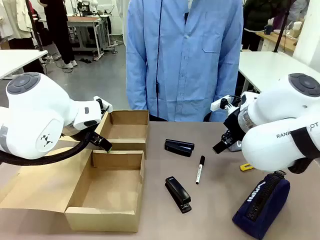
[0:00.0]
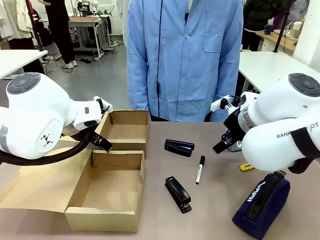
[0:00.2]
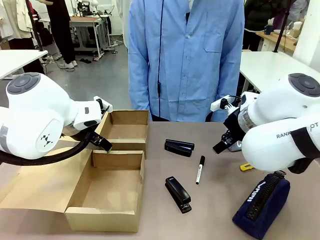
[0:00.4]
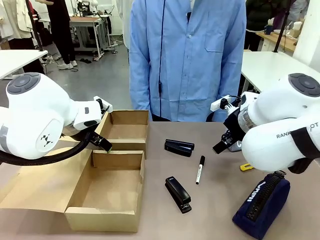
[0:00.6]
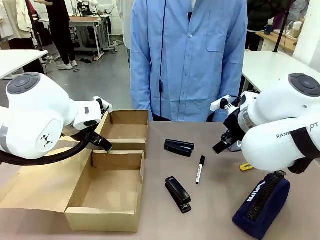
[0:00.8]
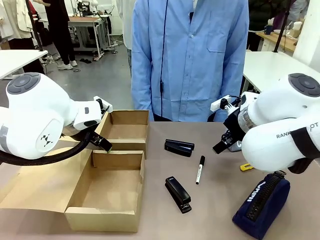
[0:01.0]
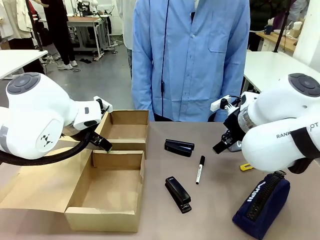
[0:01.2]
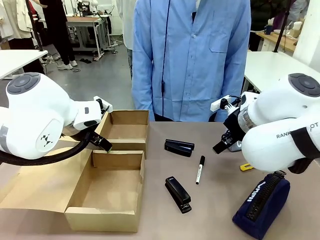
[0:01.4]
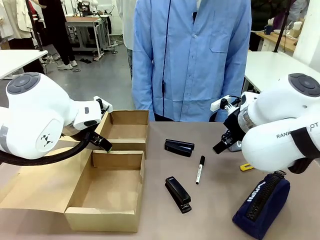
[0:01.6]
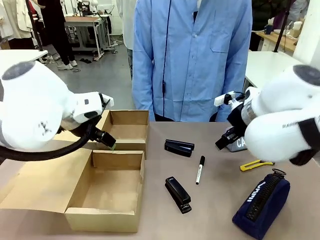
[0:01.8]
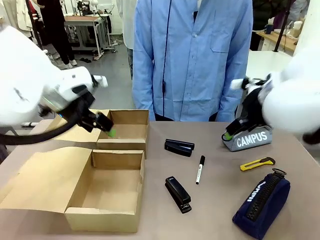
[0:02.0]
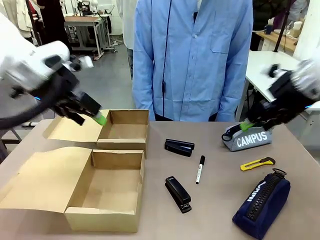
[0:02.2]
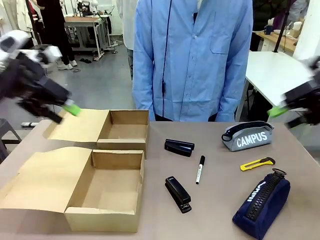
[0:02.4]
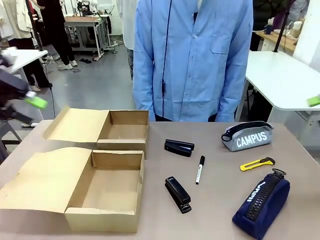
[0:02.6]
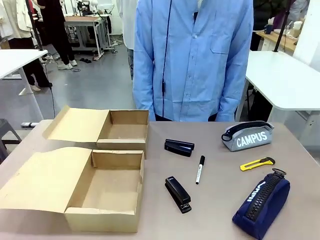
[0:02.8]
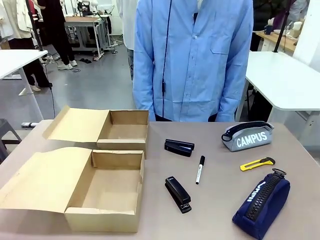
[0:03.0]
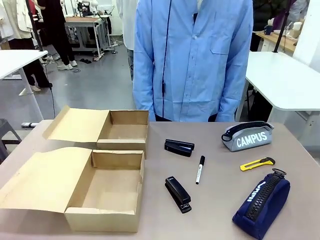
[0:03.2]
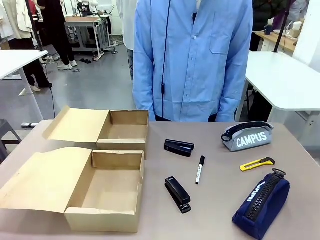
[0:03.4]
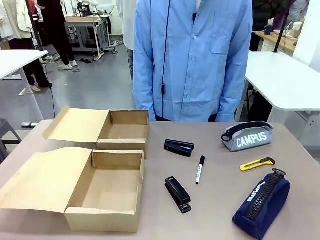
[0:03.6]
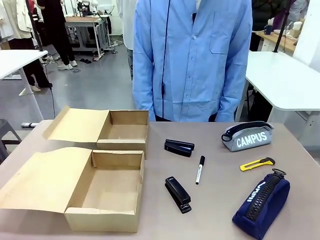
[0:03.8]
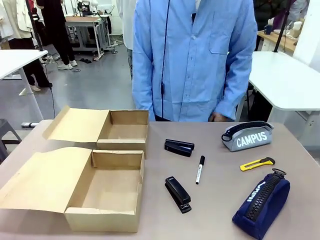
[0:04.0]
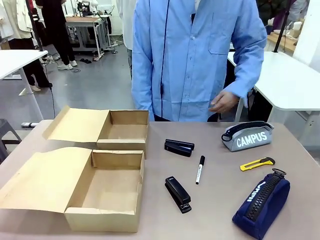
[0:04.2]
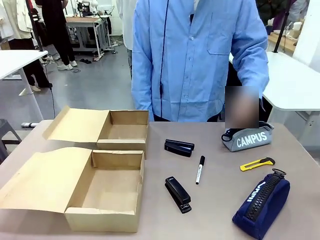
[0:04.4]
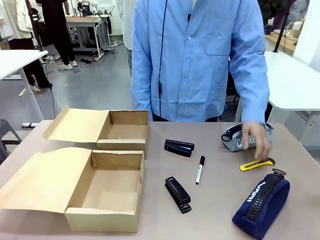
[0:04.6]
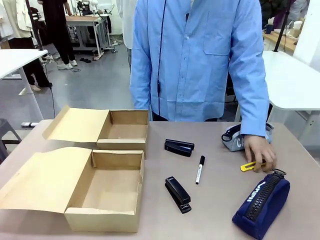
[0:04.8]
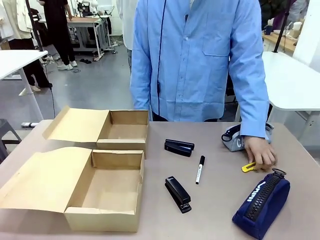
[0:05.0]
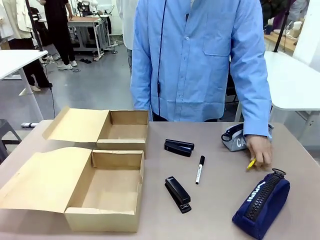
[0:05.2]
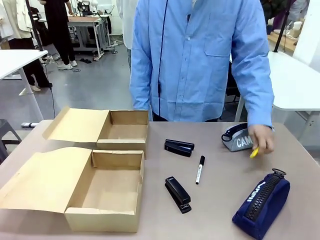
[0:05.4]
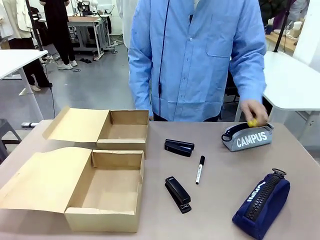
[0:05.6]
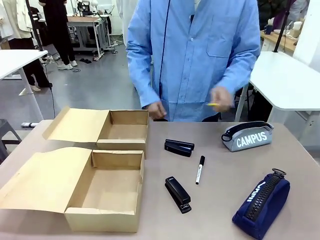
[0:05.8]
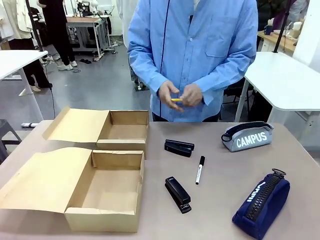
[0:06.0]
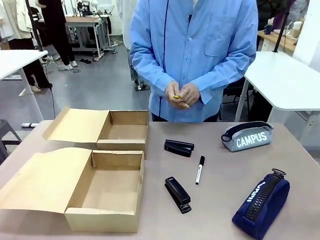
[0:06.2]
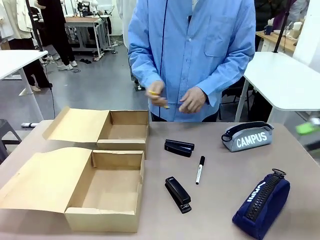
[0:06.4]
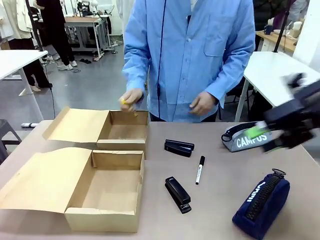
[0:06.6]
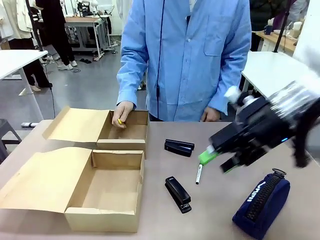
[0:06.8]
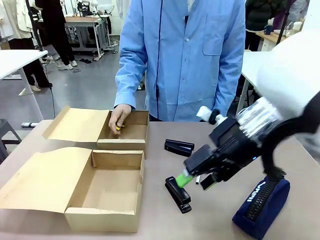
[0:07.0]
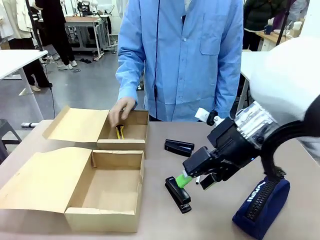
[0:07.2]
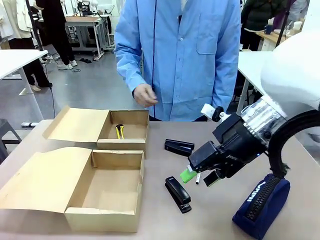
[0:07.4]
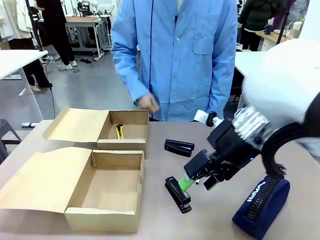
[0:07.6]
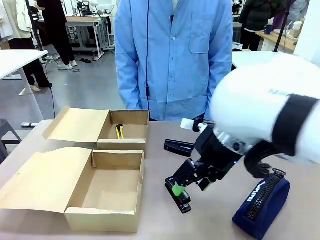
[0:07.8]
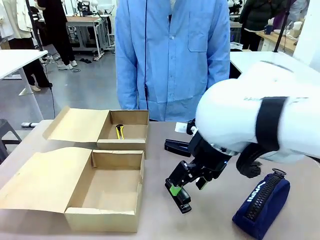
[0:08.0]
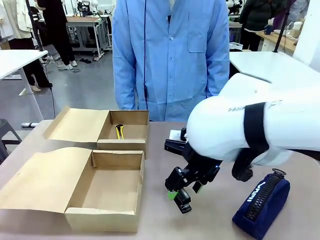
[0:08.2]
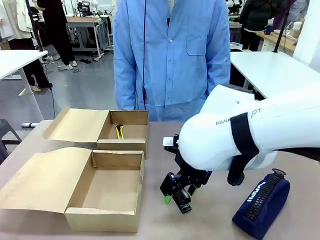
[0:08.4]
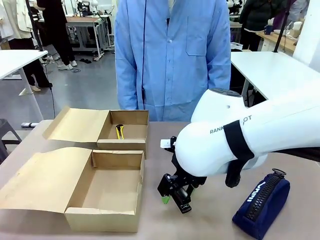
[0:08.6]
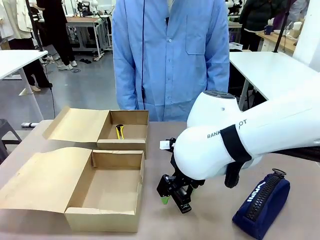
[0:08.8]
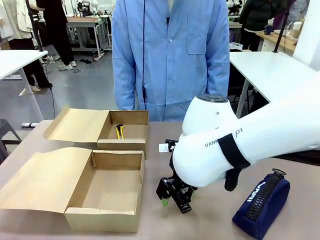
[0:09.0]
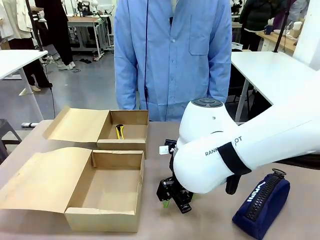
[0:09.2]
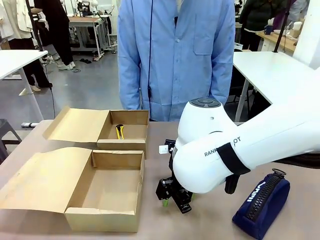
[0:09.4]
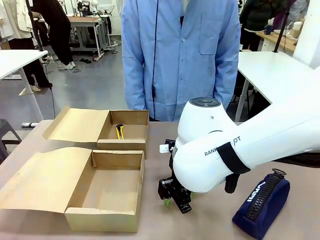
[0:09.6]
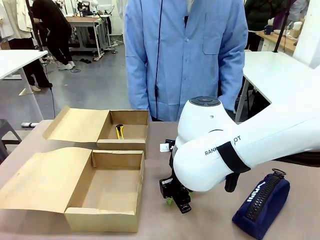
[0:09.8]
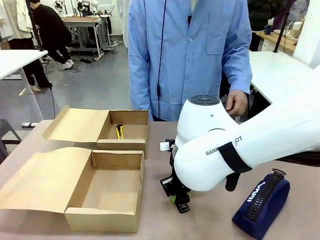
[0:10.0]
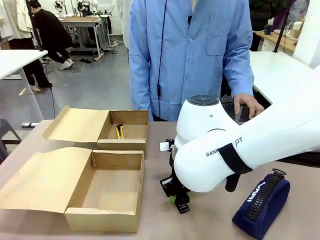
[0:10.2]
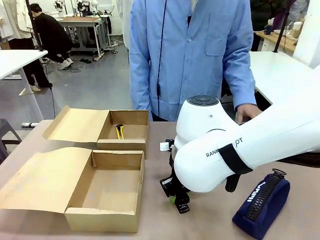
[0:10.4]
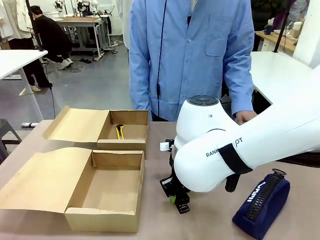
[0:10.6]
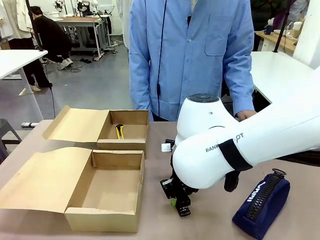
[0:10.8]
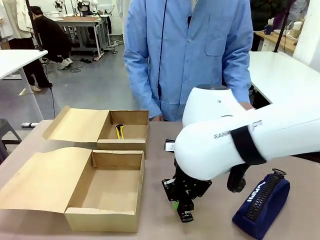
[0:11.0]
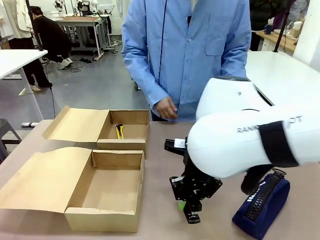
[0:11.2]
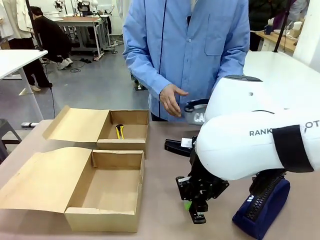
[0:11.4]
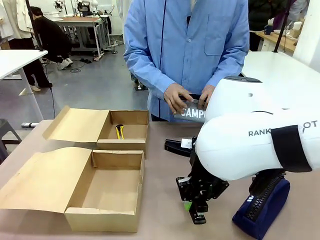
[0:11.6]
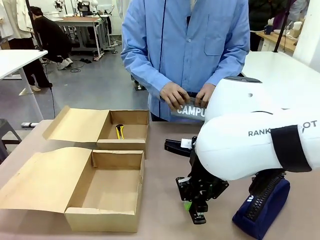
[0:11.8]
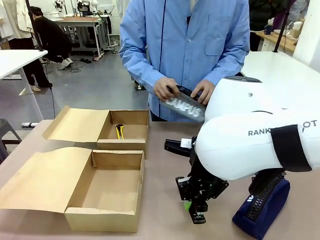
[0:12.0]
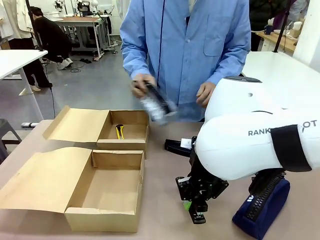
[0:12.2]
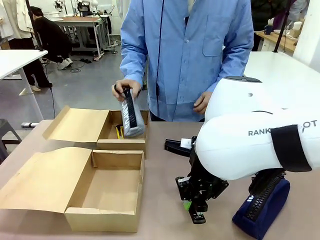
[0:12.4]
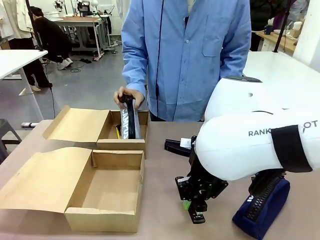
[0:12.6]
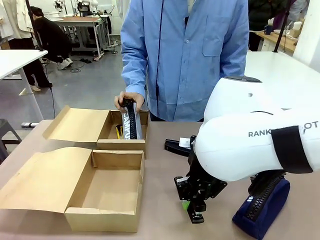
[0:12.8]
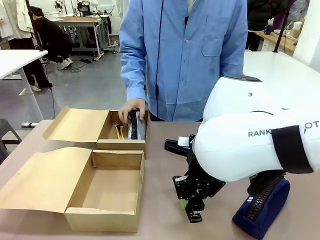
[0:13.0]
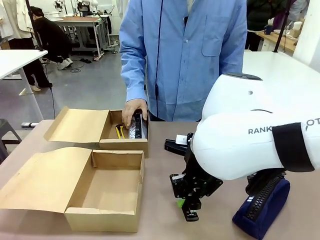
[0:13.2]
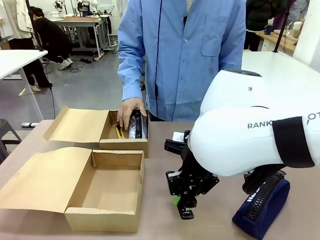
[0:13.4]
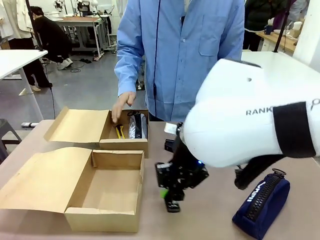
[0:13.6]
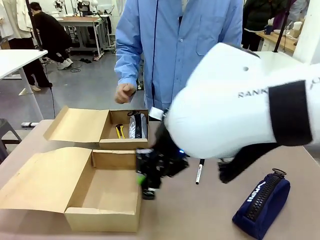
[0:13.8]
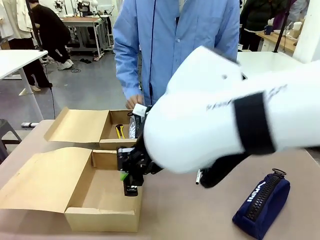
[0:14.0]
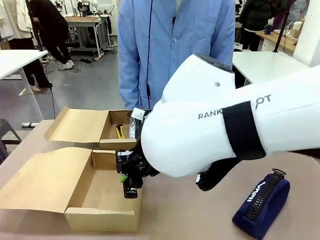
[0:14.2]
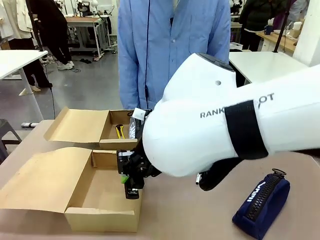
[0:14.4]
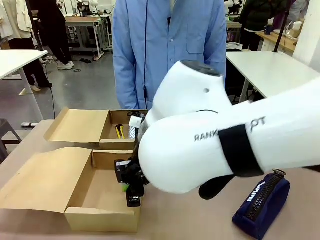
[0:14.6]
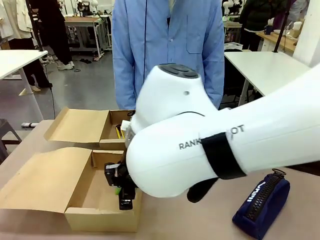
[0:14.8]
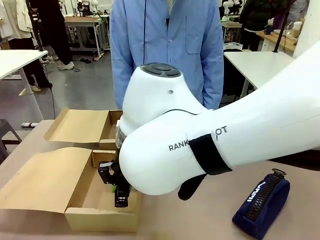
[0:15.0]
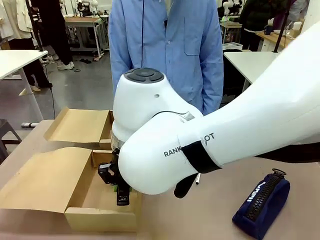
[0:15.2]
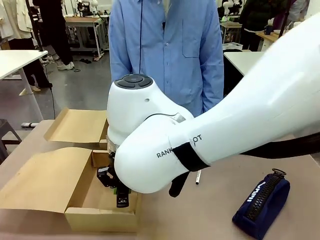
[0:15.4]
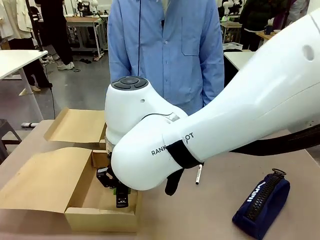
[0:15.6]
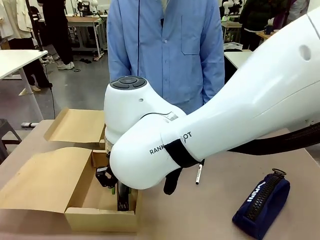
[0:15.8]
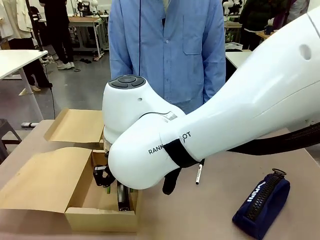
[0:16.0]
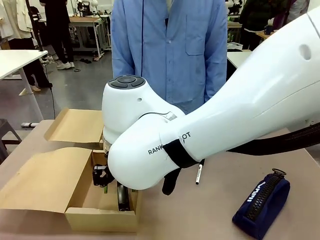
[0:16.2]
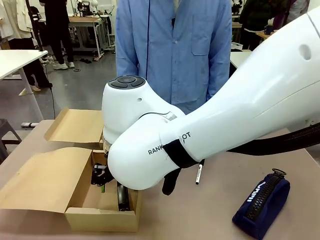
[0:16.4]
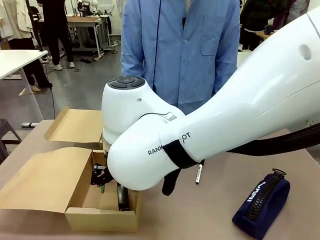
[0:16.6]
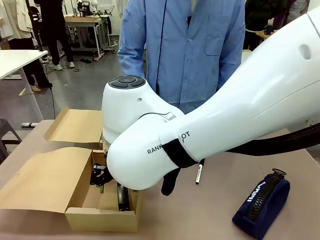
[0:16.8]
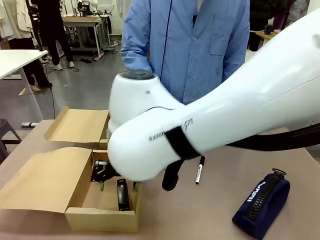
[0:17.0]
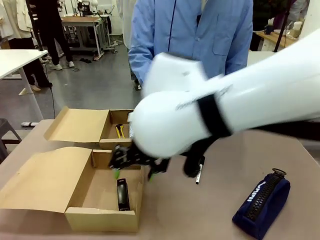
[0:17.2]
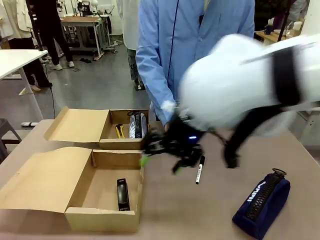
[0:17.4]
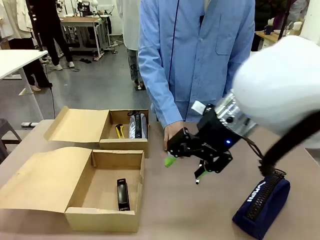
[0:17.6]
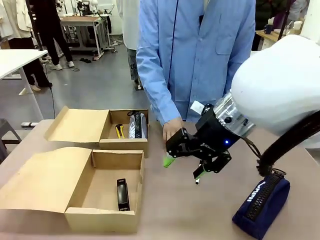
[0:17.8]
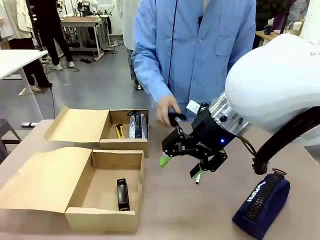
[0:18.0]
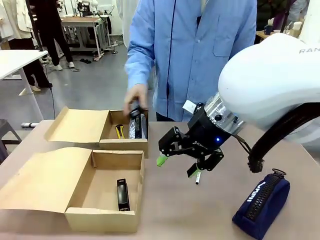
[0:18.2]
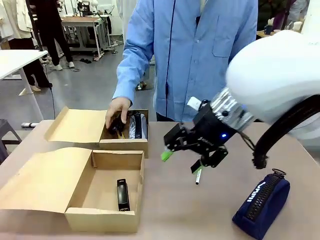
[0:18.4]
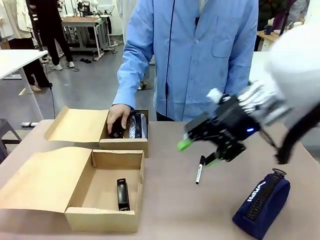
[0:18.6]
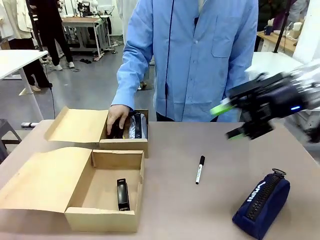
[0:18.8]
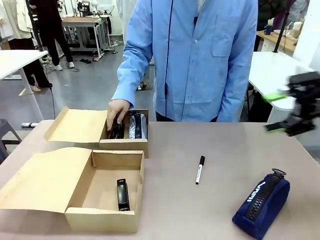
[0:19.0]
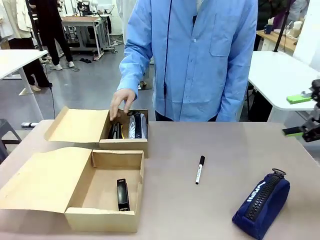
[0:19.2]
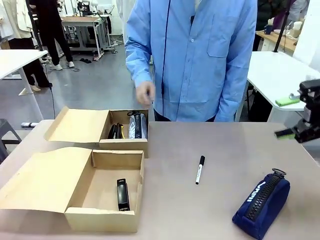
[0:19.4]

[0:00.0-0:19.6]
Task: Place items inside the box.
Robot: Pick up a Pencil pouch or Stapler and place it inside the Mailer Box closest to the robot.
Person: Pick up an object on the table and put it in the box.
